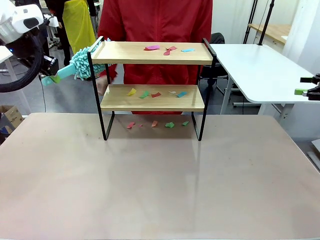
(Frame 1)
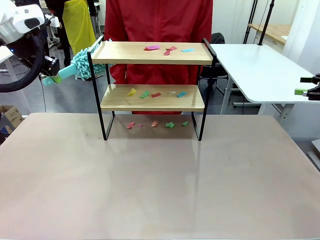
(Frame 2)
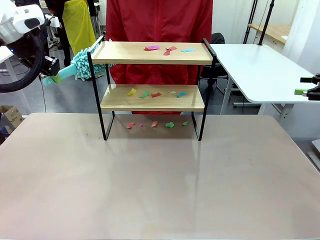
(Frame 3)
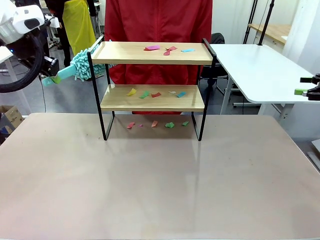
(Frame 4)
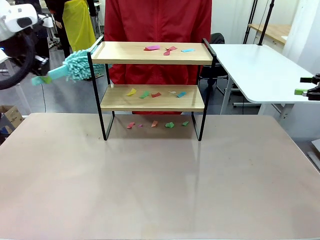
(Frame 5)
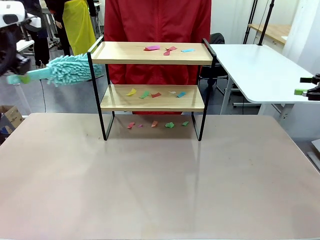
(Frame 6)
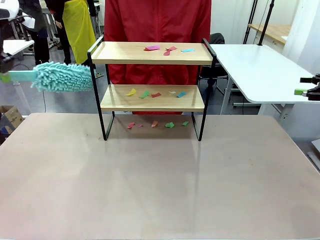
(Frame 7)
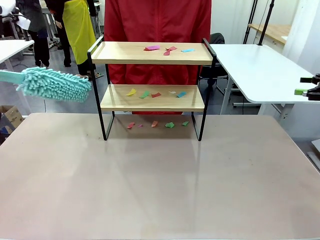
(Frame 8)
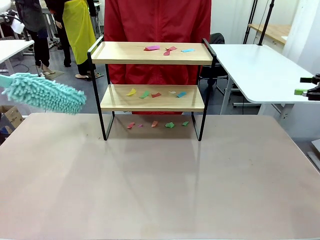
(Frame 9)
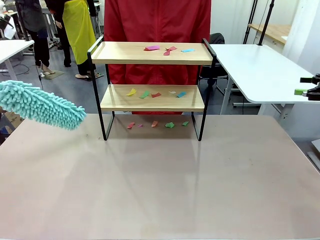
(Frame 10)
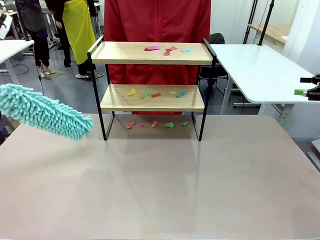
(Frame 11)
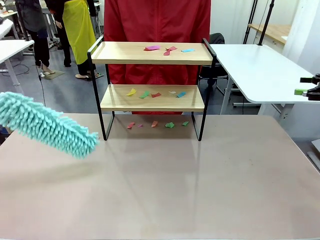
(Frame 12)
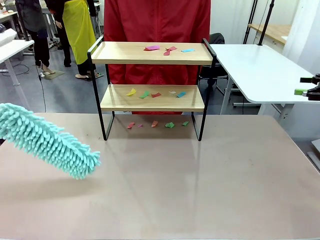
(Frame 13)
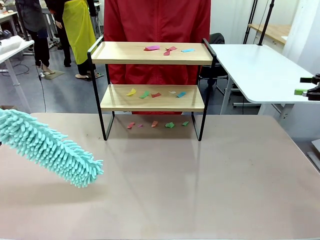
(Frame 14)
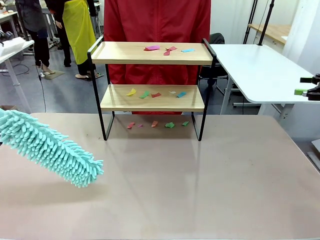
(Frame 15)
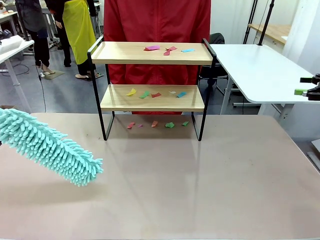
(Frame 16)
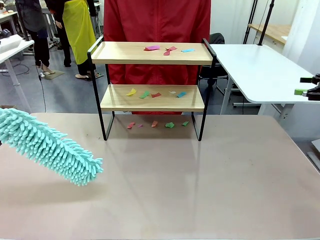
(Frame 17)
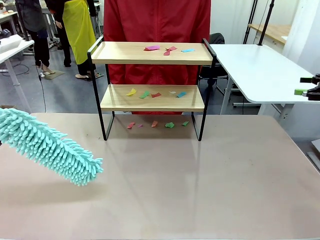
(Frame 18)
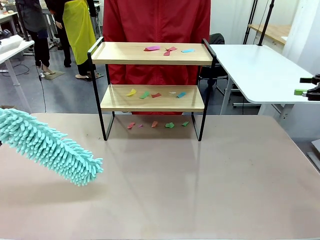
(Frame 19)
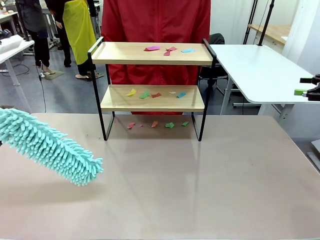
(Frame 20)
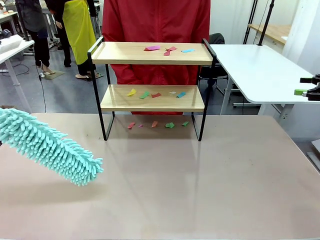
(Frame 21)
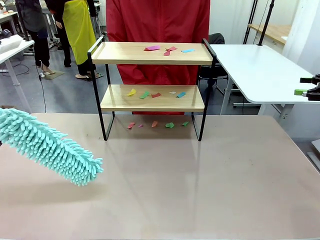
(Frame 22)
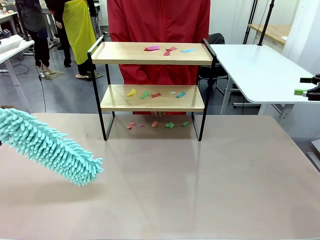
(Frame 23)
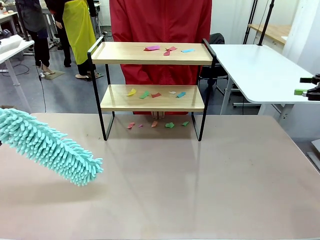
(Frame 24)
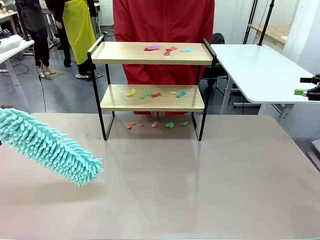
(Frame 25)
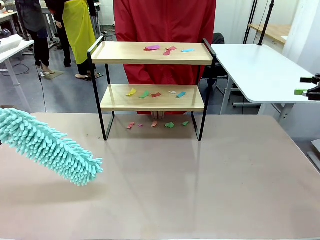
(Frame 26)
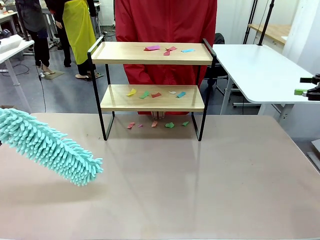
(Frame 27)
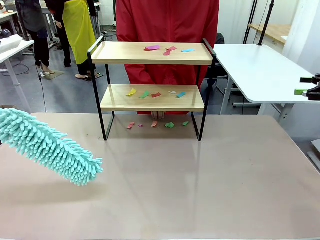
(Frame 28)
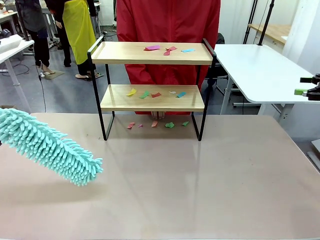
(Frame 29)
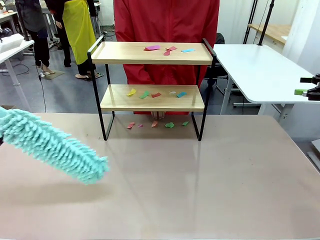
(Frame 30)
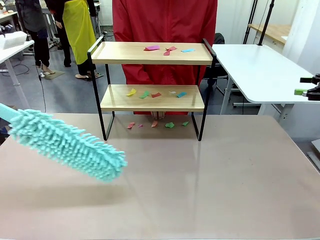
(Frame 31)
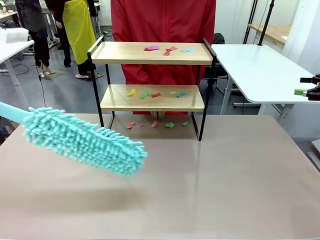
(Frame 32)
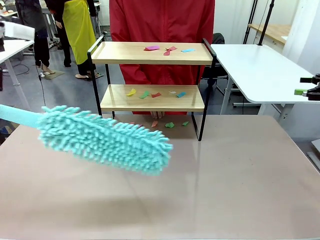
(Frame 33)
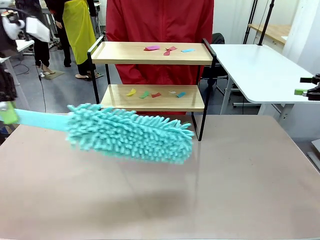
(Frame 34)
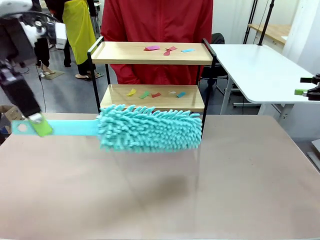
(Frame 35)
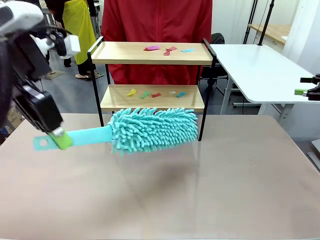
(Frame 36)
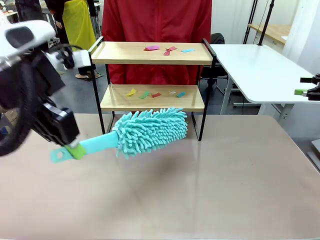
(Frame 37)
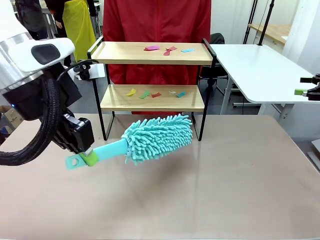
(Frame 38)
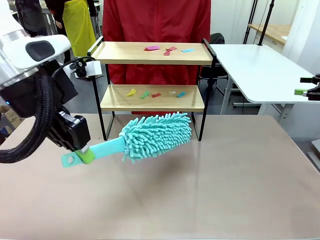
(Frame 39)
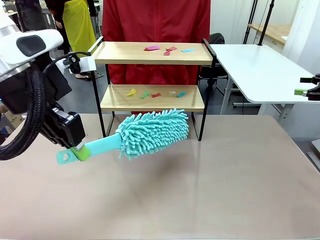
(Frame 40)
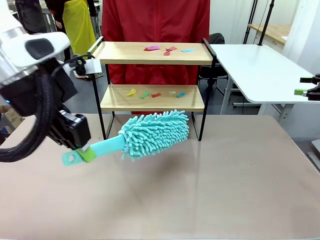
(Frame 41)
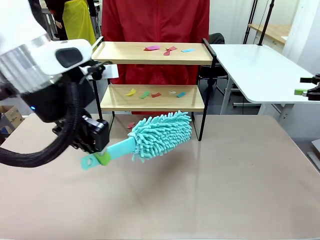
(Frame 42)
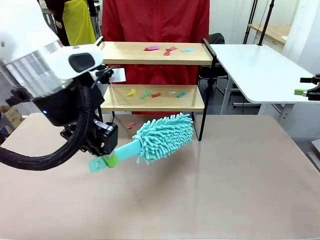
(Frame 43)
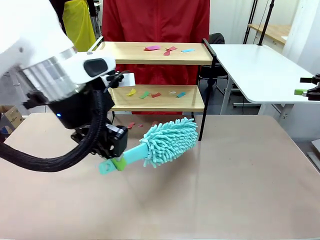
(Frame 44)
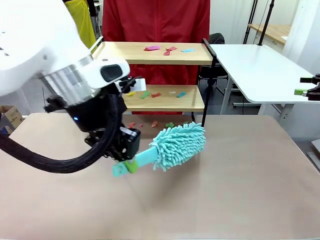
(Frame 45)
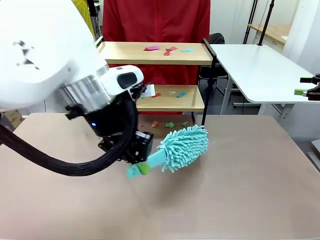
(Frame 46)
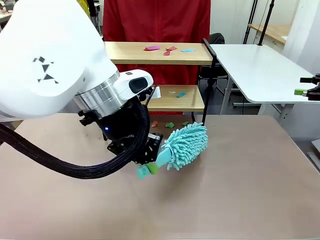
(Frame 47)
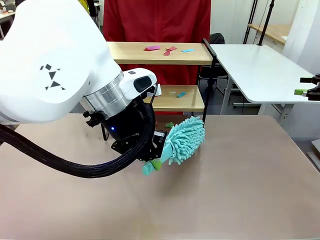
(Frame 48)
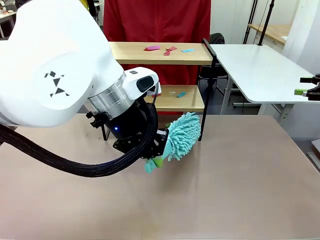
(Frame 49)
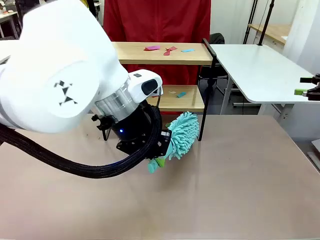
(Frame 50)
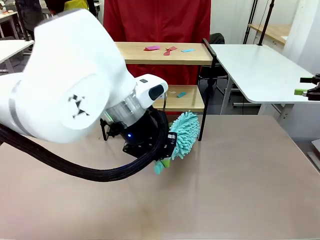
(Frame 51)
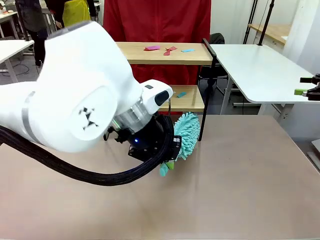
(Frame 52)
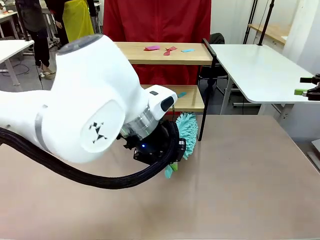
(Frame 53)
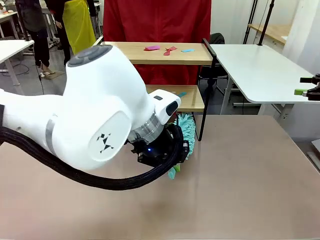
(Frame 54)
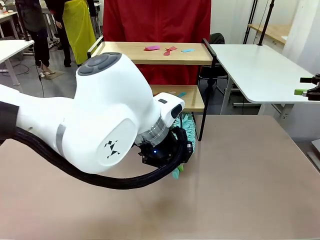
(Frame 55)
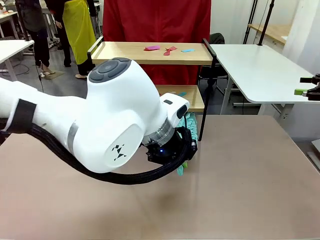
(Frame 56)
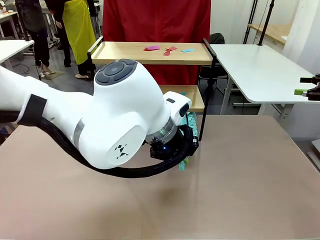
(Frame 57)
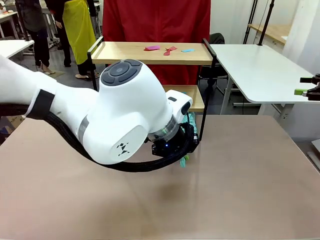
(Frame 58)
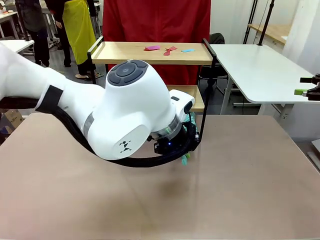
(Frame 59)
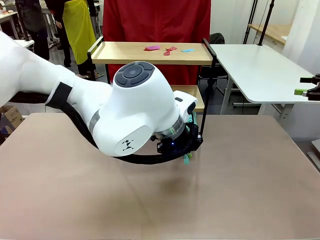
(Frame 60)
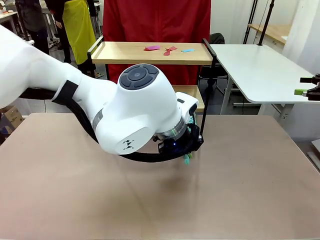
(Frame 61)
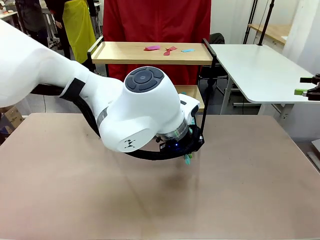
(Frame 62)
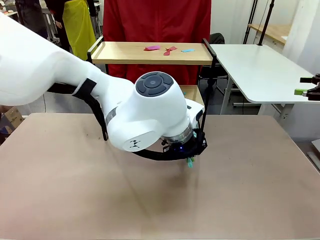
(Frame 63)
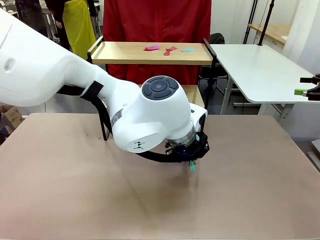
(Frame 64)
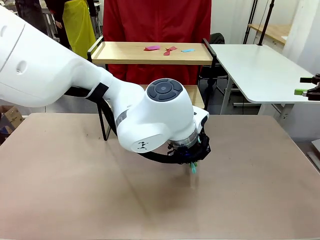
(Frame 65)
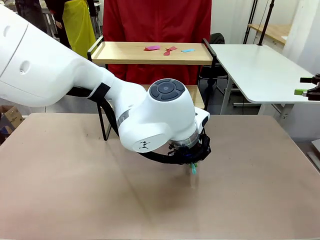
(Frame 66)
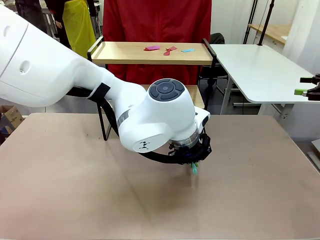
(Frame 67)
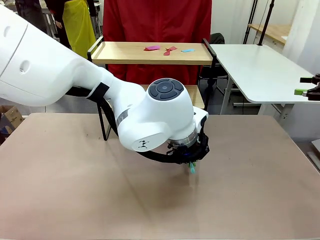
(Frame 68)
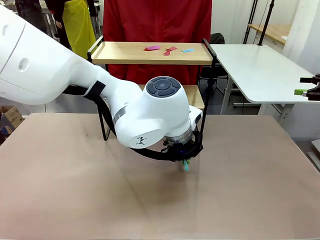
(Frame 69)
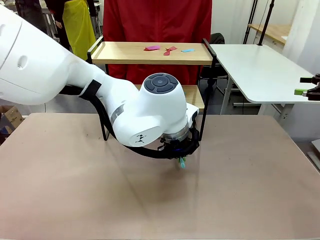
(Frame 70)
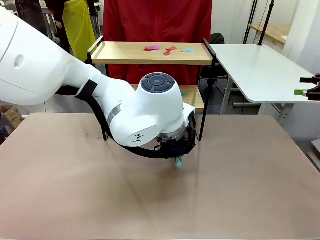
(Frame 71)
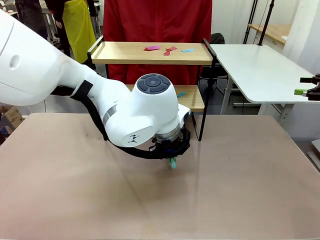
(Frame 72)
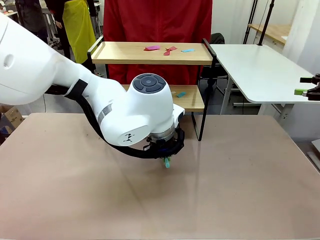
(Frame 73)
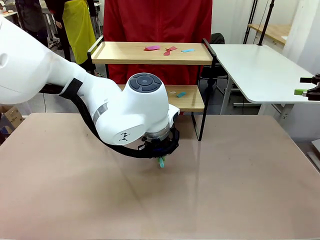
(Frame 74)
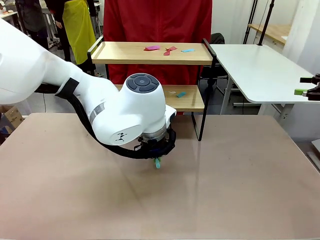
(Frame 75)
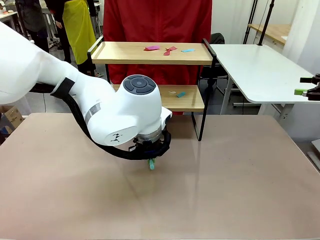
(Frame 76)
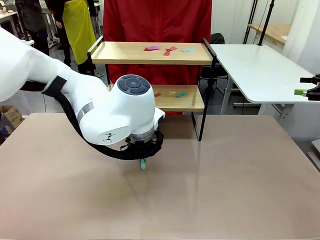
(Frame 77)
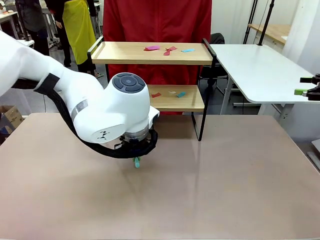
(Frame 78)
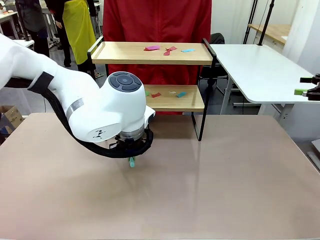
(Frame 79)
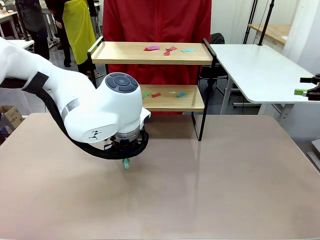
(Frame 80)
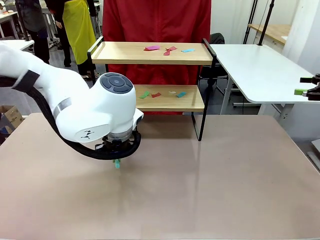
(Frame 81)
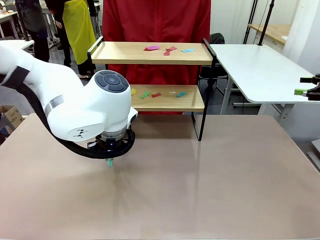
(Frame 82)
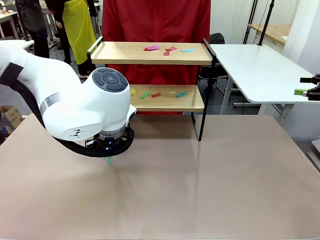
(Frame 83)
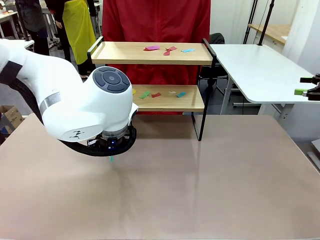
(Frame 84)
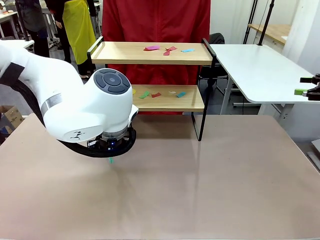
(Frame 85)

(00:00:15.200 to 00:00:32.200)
Task: Clean the shelf.
Robot: Clean the specific section of the Shelf indicated by the human with the Duster.
Person: Point a random section of the Shelf.
